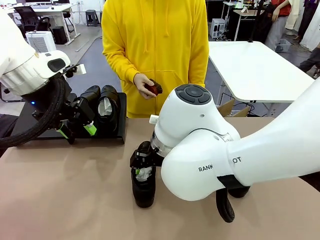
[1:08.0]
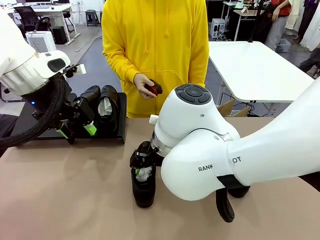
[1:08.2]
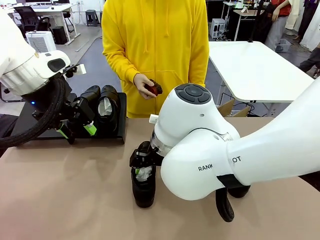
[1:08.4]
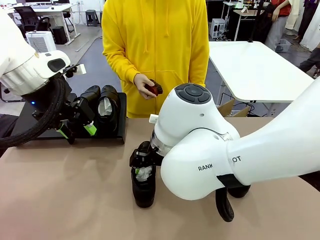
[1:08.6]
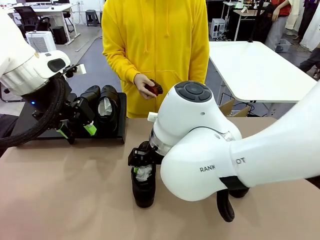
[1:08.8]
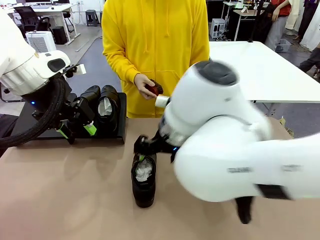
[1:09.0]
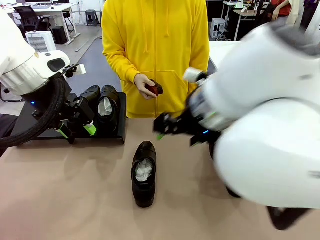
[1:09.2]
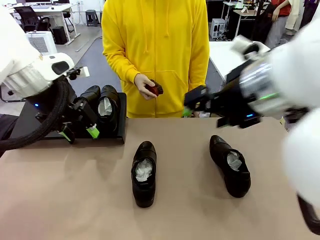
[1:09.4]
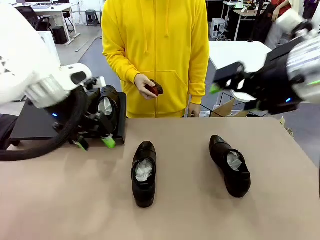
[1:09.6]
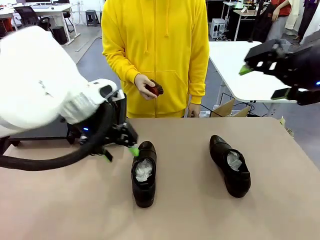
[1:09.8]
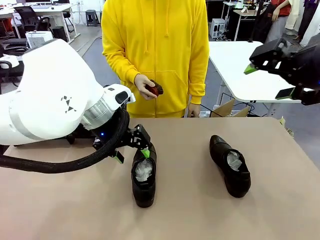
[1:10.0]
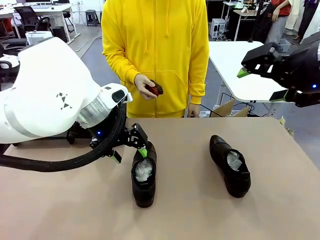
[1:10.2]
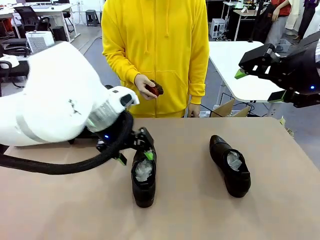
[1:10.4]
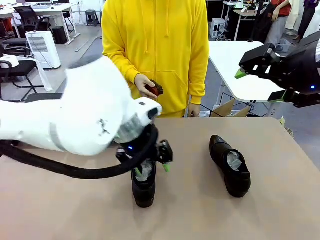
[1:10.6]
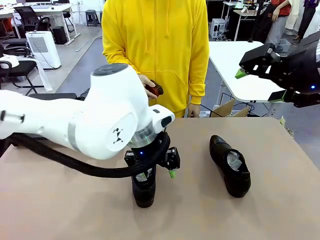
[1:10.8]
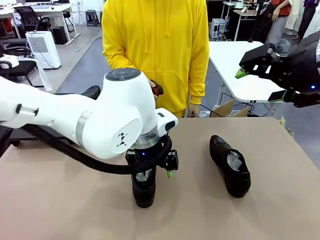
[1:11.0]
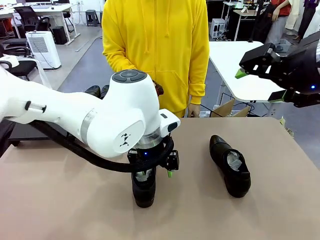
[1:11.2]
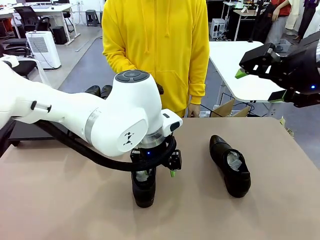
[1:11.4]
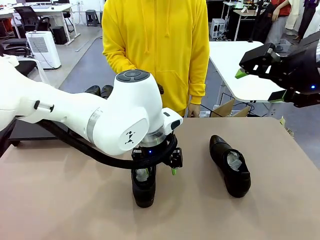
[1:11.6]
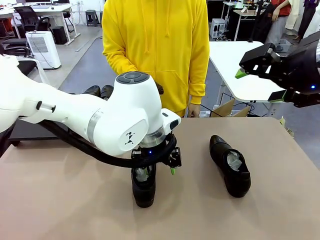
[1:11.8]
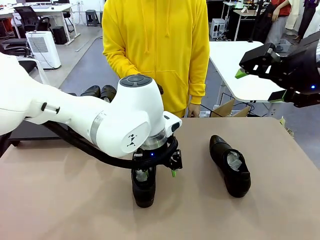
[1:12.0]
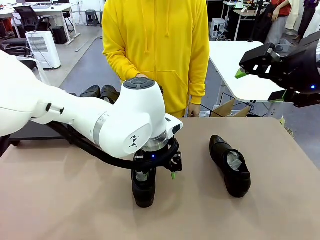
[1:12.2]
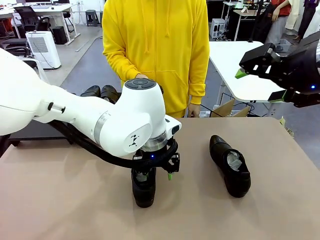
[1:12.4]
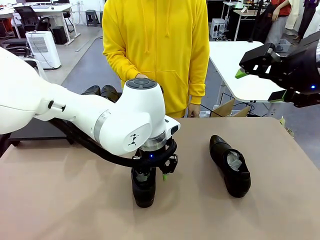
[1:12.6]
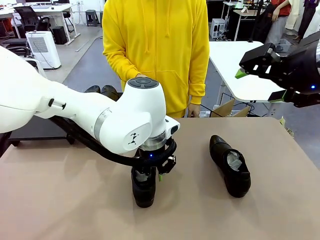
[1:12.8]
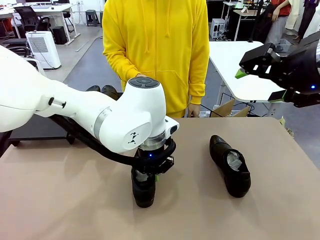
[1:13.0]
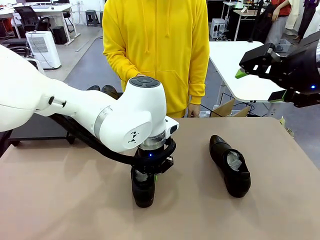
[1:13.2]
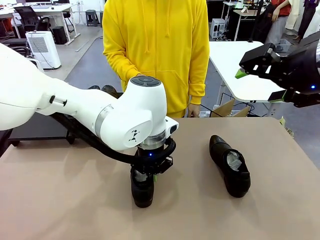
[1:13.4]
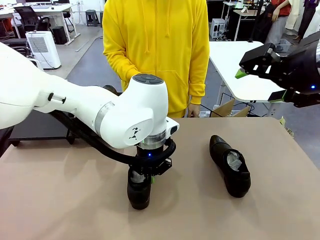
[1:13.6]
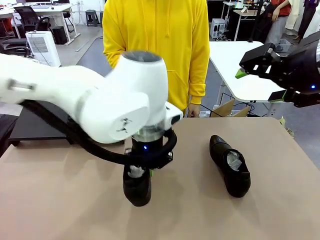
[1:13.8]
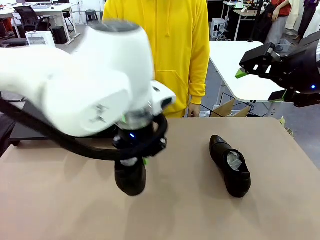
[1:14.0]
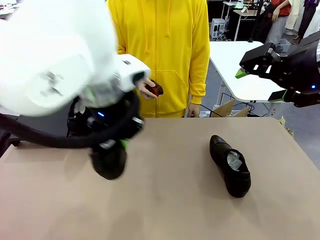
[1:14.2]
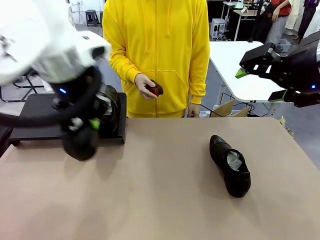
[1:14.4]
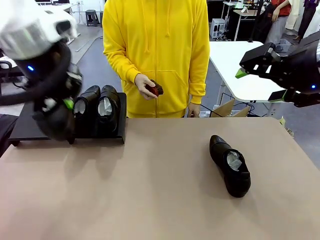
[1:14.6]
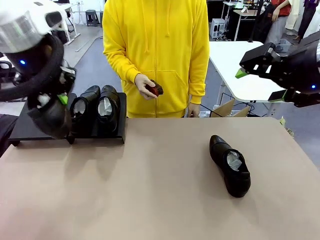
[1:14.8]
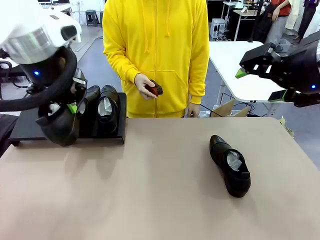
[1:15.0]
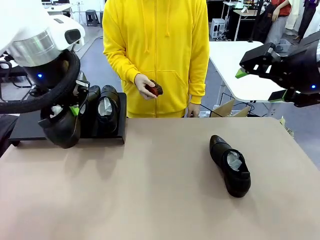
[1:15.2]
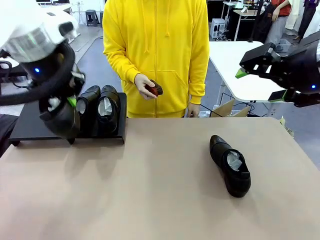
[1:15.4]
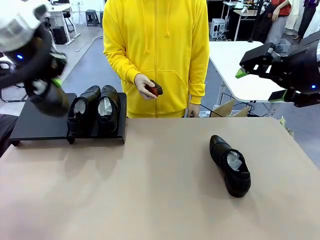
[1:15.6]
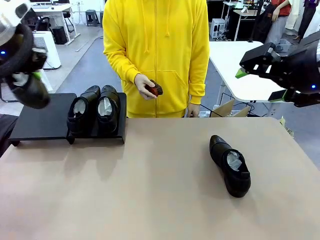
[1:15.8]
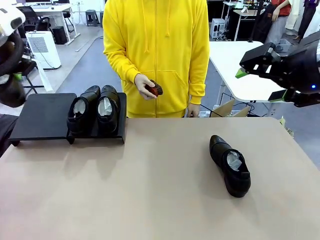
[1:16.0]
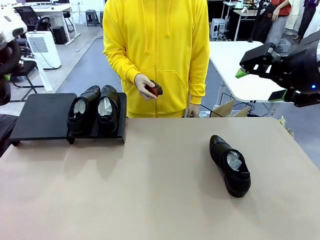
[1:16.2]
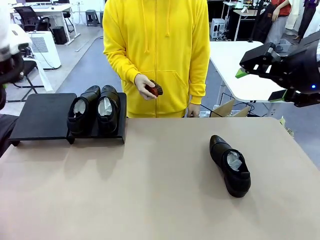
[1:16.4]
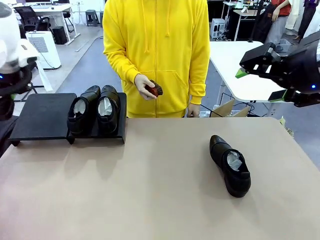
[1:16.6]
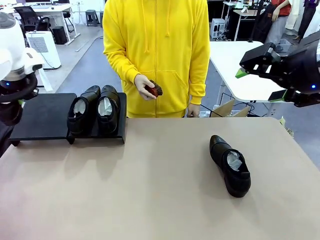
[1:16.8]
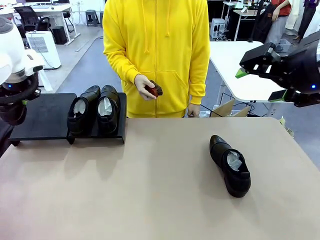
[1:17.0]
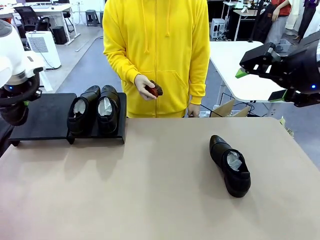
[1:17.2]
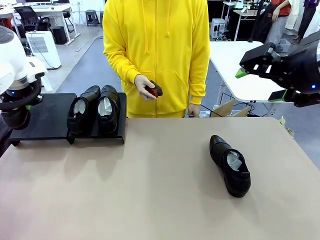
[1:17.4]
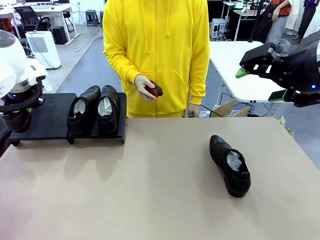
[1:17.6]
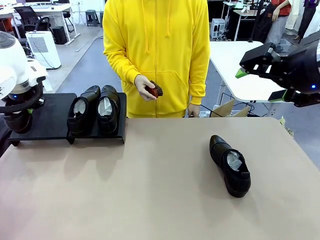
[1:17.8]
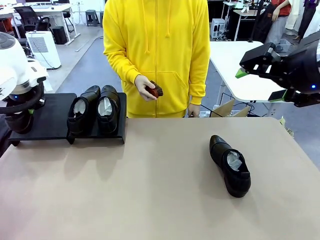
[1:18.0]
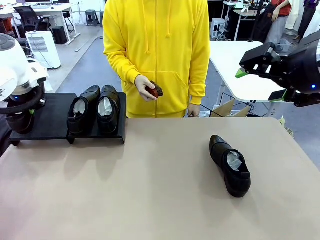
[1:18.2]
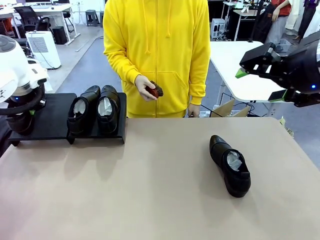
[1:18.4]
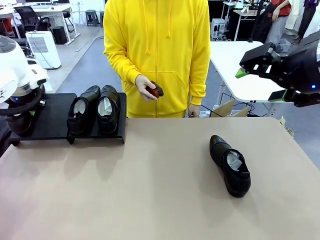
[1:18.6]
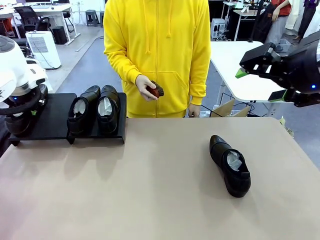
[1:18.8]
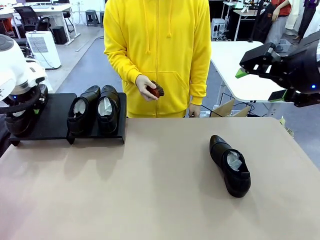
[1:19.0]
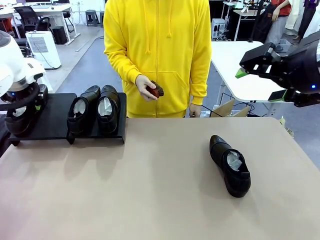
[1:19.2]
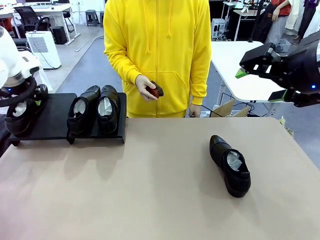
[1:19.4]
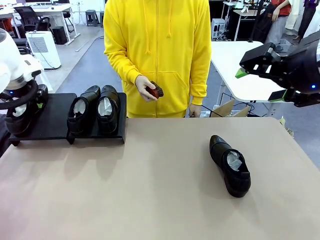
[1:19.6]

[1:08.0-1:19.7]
Task: Organize the shoes by placing them on the stand.
Robot: Place the Shoe from the middle of the table onto the Shoes Stand.

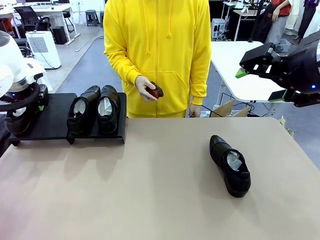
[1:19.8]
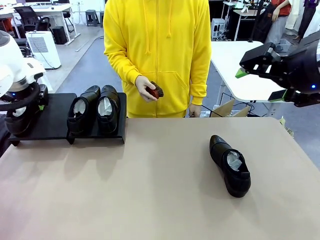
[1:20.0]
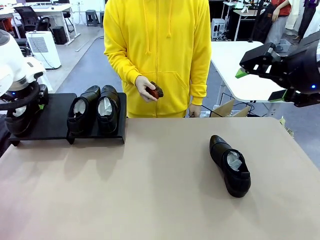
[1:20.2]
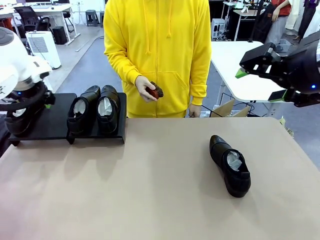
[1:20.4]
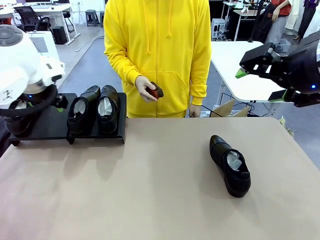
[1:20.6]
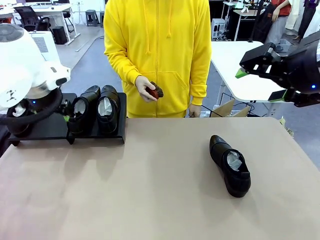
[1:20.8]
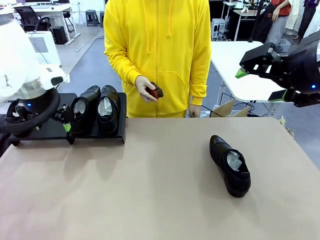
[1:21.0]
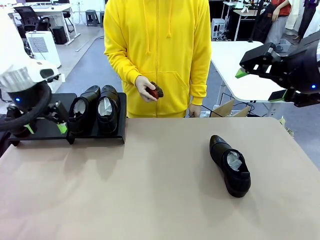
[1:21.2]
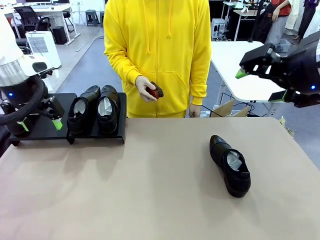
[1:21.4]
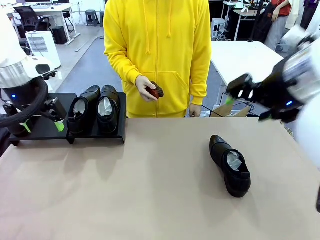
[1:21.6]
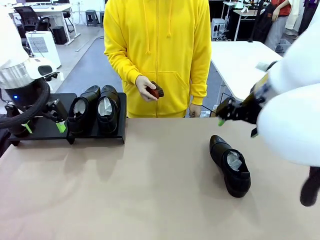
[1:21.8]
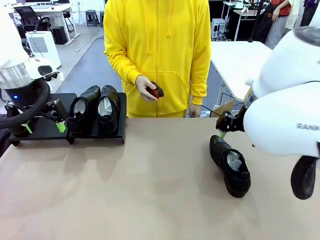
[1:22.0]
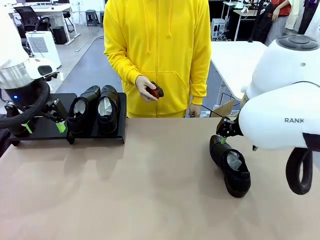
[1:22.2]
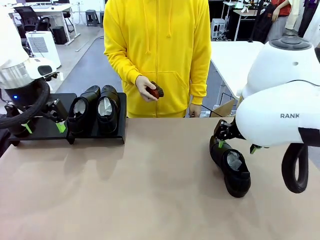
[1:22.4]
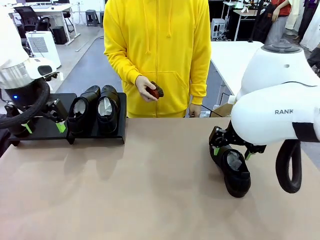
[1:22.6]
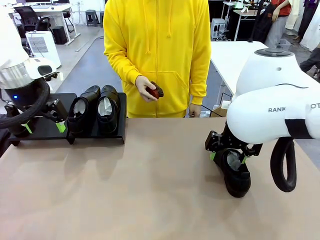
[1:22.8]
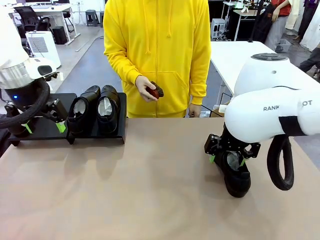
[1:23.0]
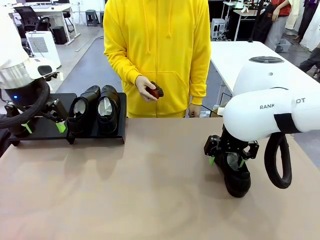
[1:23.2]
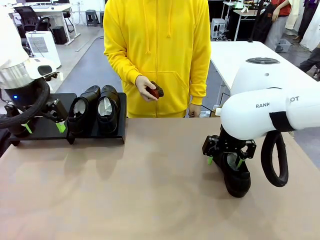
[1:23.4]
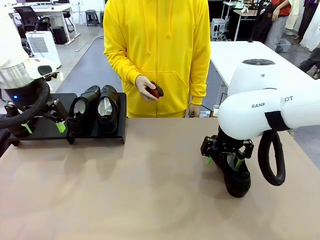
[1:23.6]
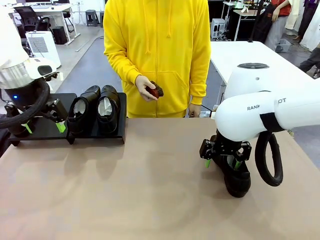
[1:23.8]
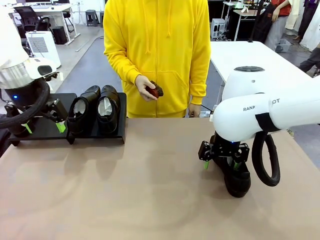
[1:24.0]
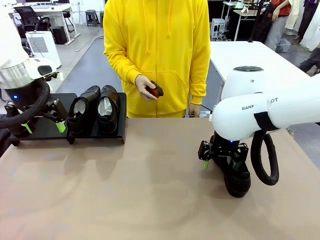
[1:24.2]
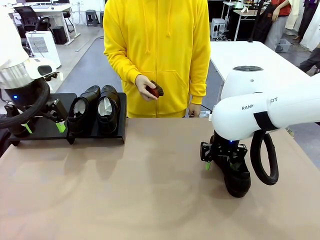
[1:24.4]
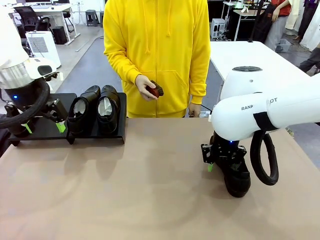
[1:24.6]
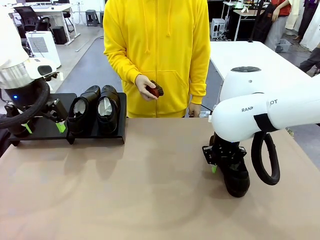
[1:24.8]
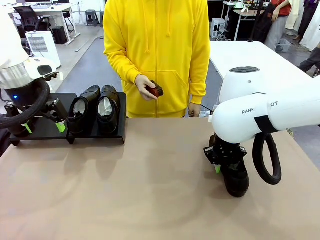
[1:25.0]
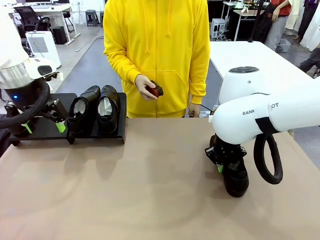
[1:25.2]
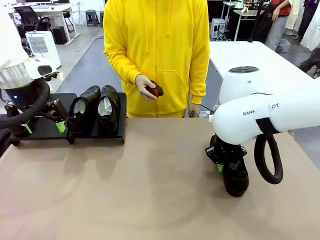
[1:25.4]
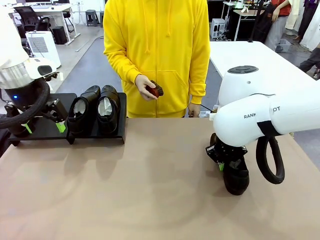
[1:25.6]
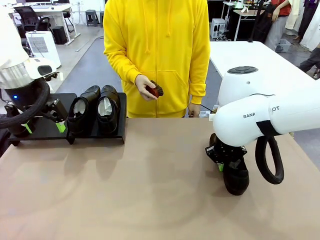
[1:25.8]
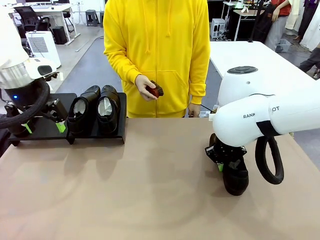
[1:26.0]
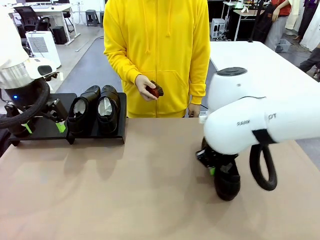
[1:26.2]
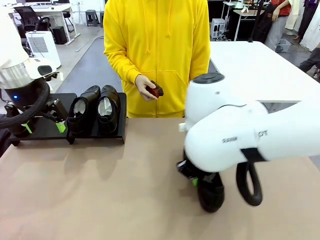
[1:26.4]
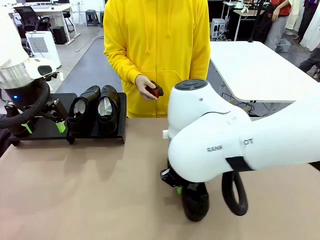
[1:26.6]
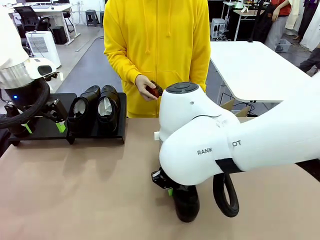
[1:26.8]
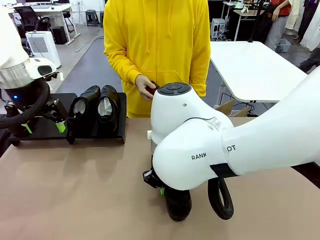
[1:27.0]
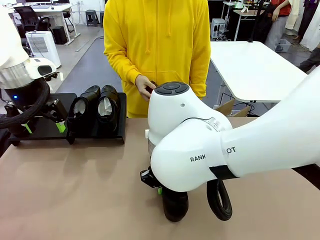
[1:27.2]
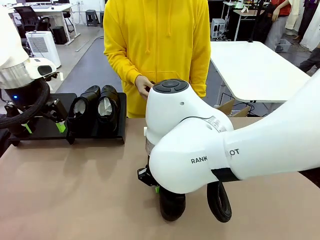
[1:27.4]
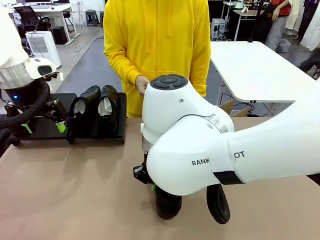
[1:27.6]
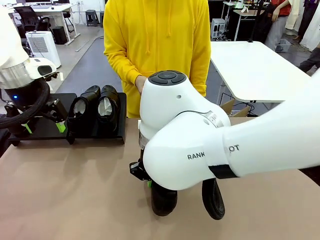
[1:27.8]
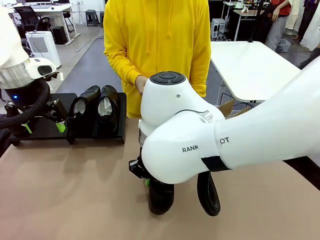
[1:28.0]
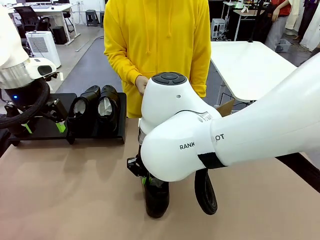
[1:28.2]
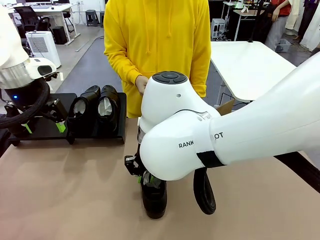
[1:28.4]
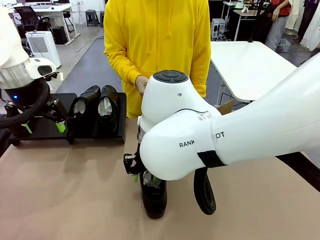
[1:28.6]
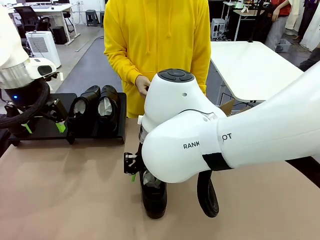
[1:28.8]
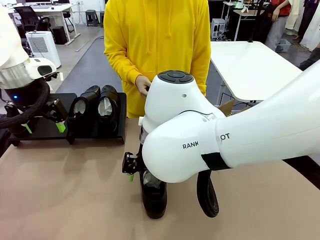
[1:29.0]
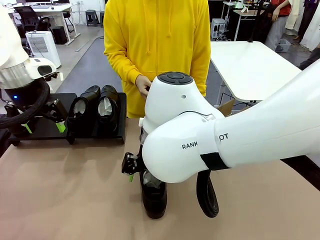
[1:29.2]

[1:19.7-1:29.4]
Robot: Pick up one Shoe and place it in the middle of the table.
